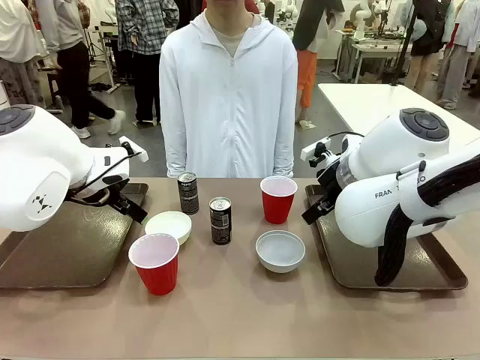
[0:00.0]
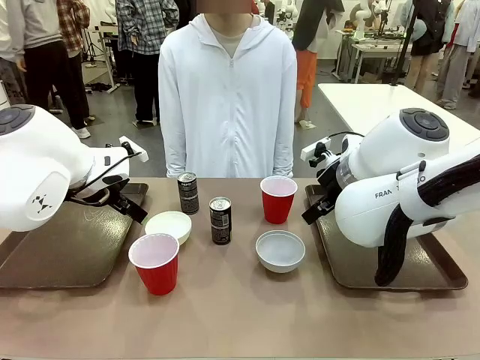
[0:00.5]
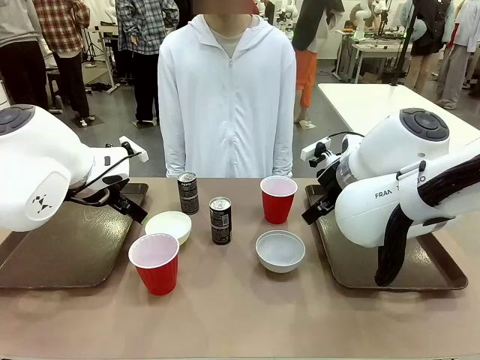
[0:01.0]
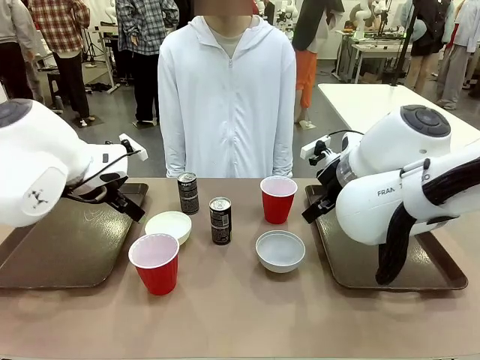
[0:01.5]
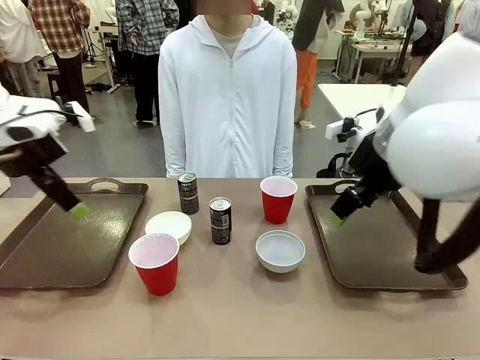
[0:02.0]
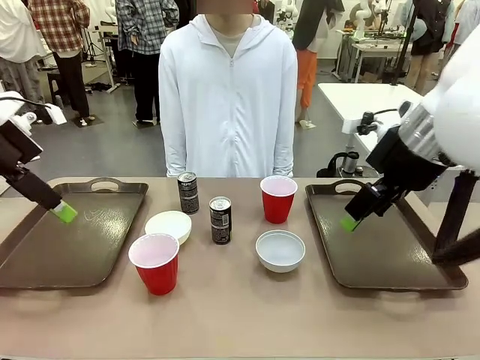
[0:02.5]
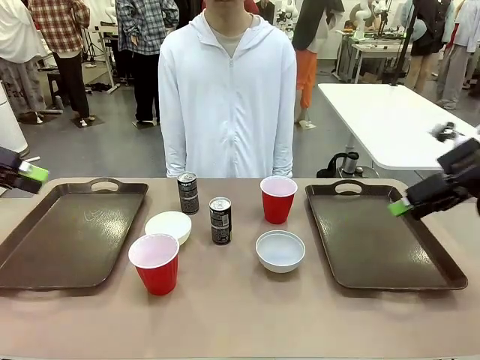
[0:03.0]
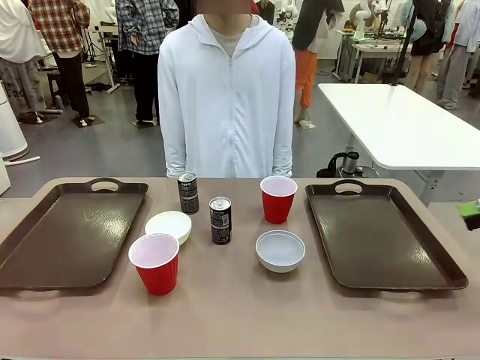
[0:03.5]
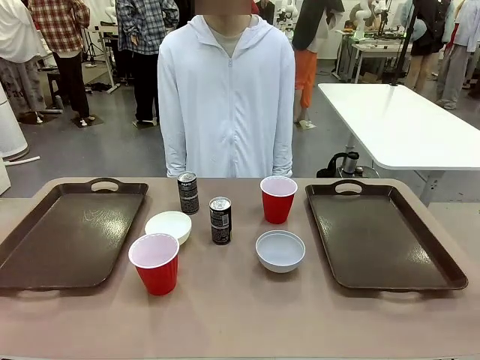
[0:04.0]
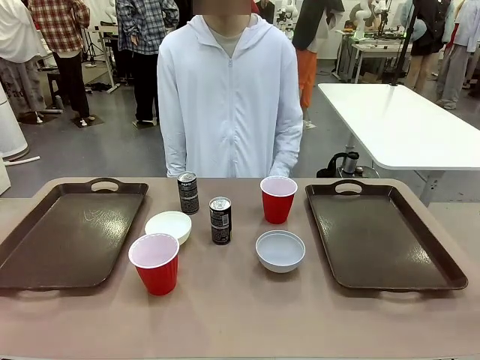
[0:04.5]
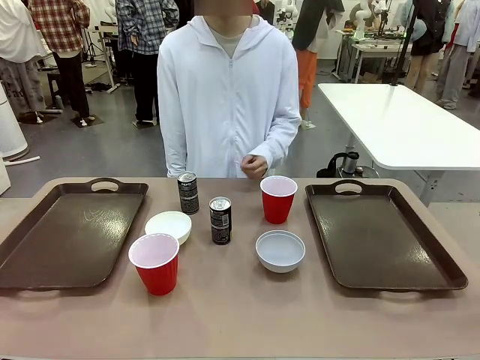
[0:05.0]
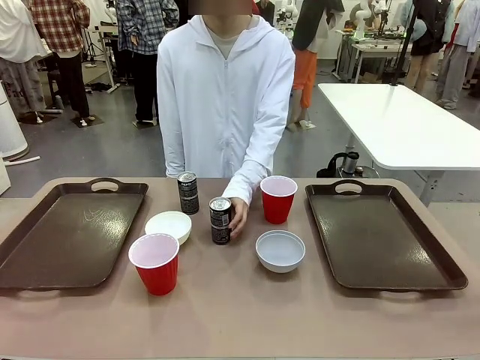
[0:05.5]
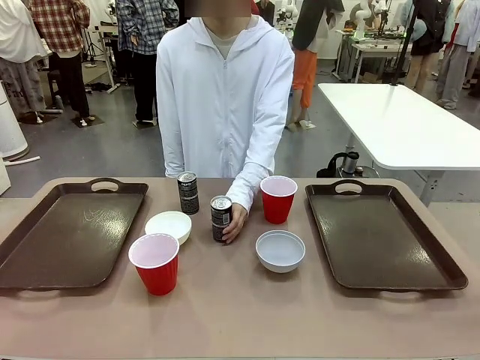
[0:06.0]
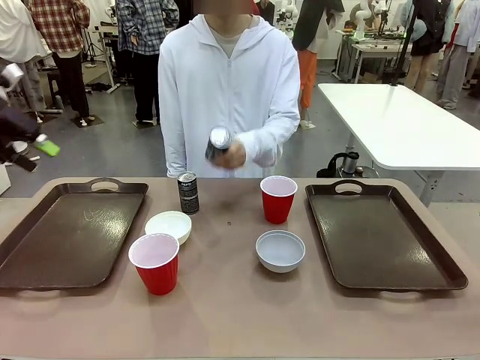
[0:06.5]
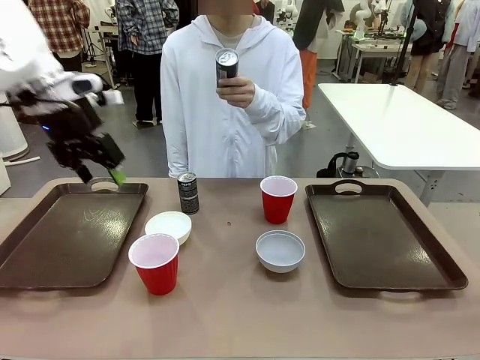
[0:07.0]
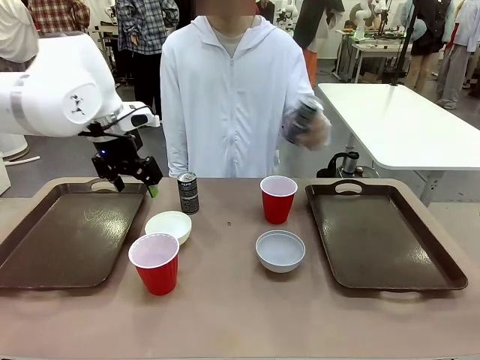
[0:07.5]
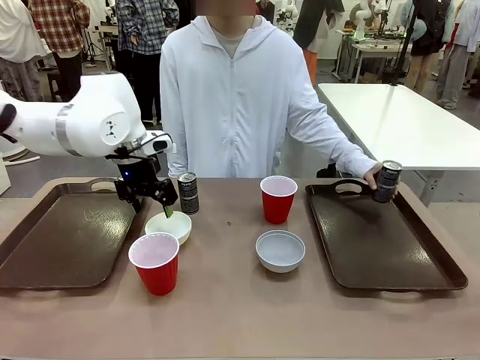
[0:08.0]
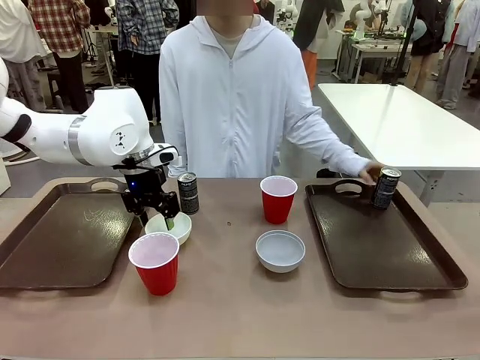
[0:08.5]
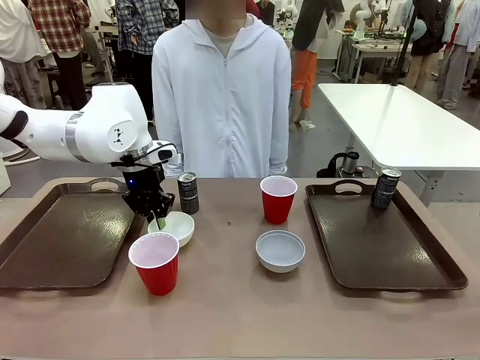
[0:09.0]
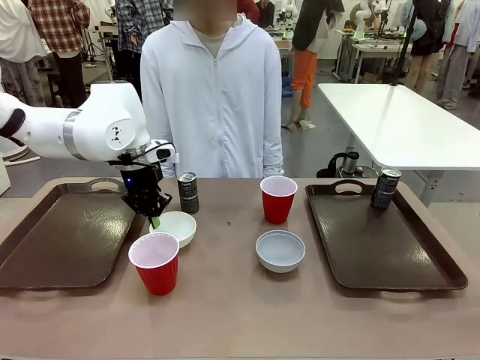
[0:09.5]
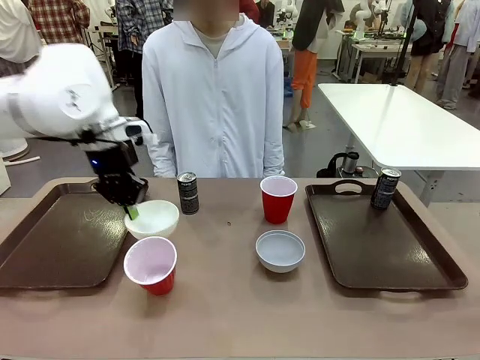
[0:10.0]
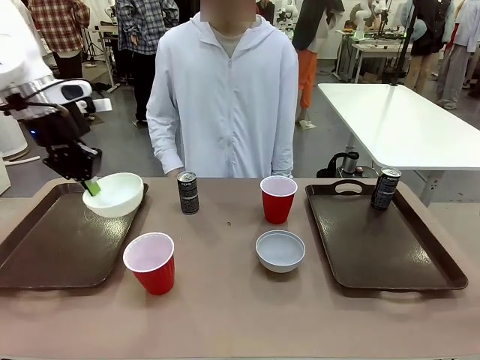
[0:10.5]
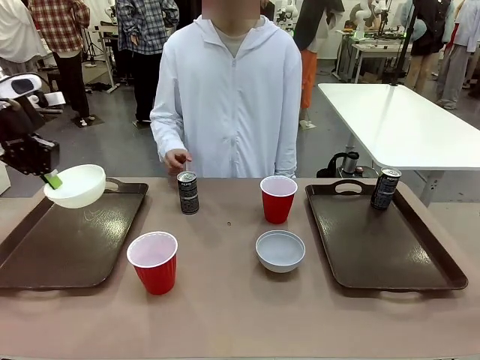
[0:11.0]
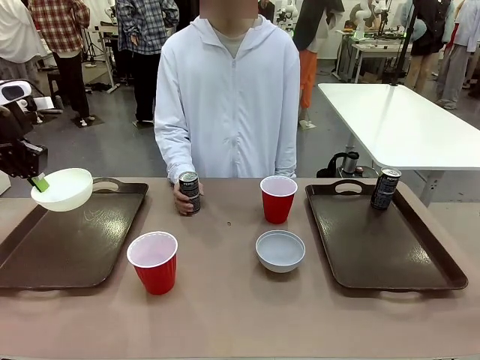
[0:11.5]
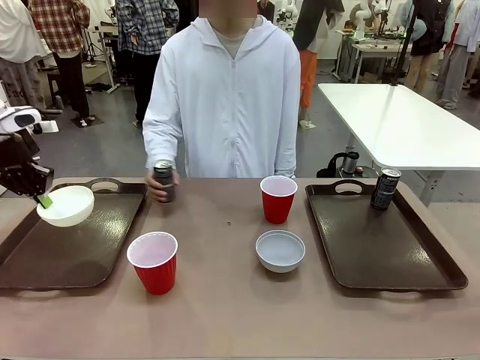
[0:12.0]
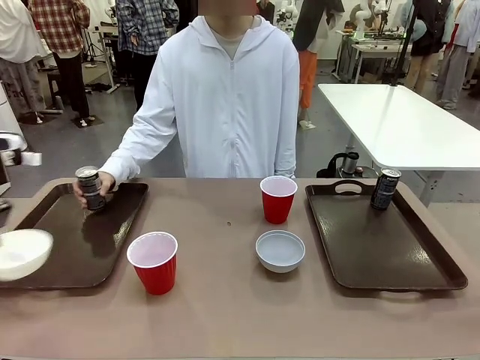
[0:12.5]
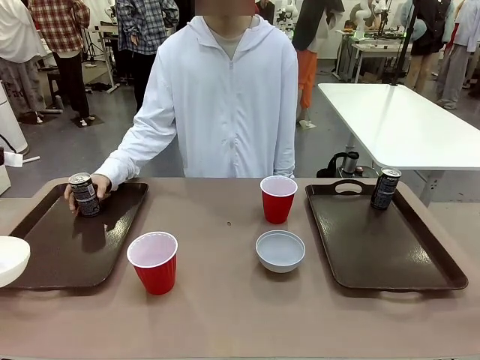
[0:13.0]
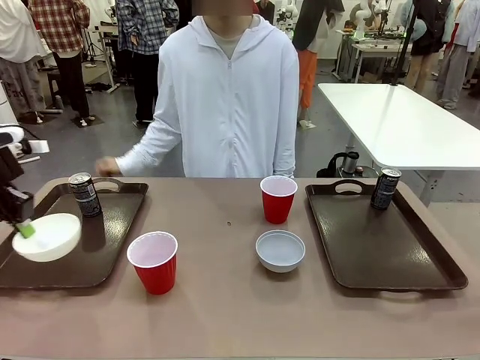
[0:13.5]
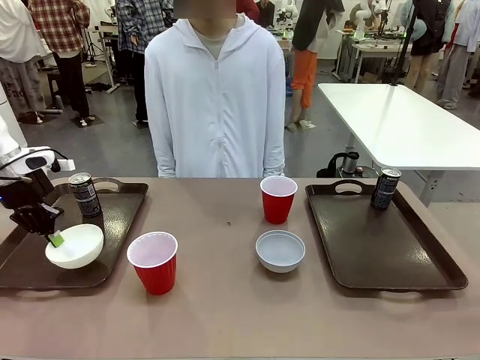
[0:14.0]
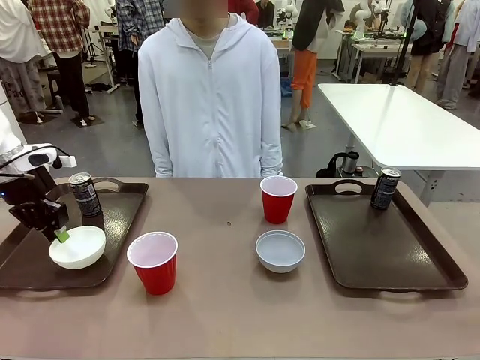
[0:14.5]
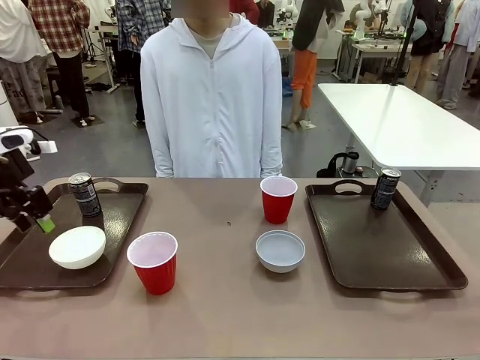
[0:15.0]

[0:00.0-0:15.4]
Task: Prepare tableware on both trays.
Robot: Pick up a Picnic Bowl from the table and place it on a Handle tray.
Person: Pick up a can or cup and place it on the tray.

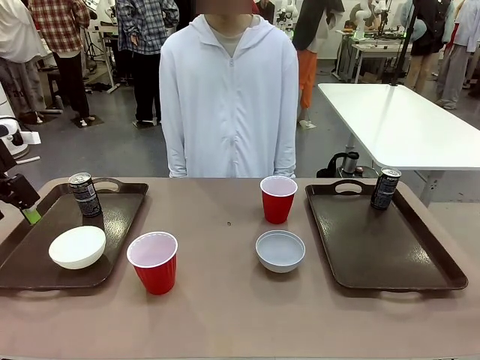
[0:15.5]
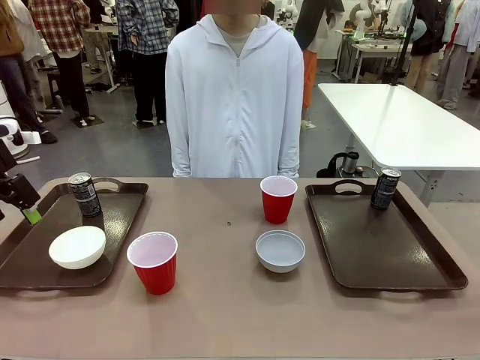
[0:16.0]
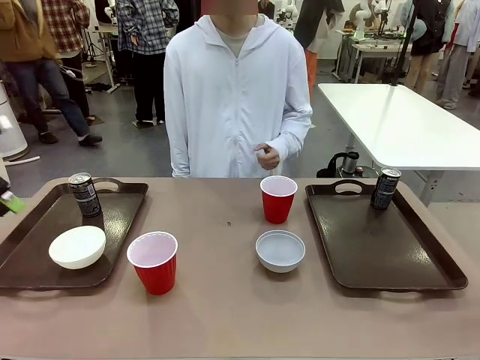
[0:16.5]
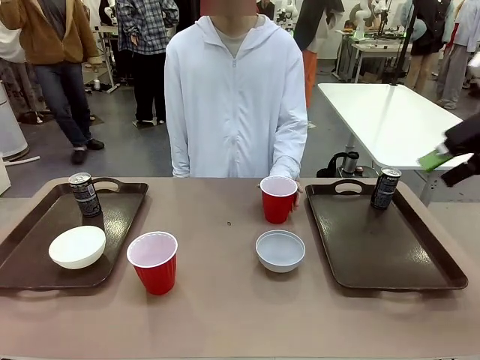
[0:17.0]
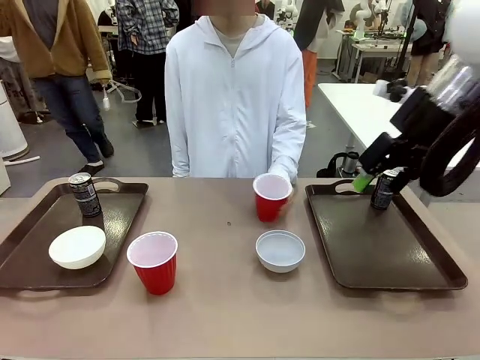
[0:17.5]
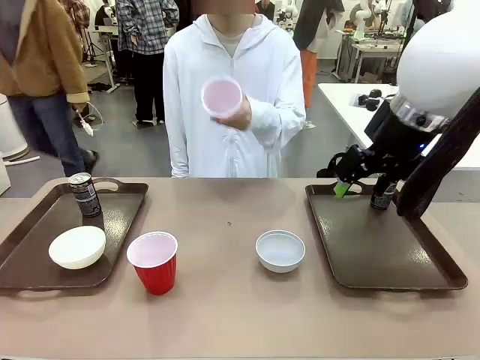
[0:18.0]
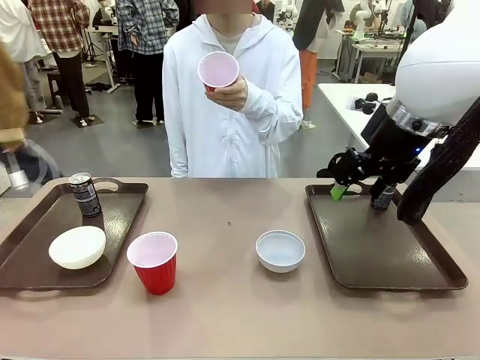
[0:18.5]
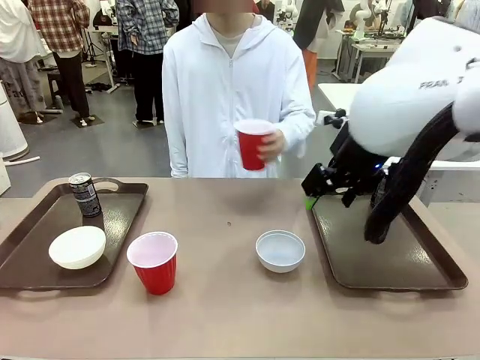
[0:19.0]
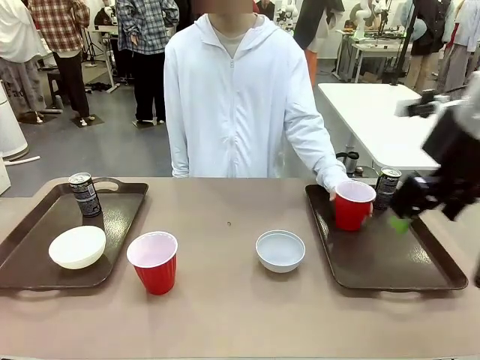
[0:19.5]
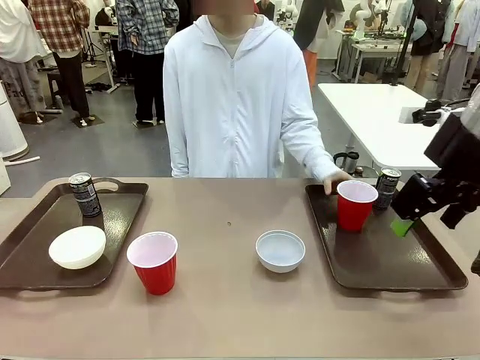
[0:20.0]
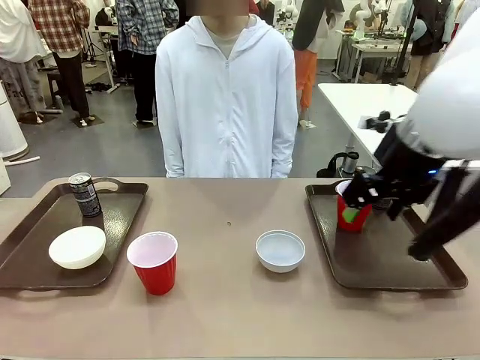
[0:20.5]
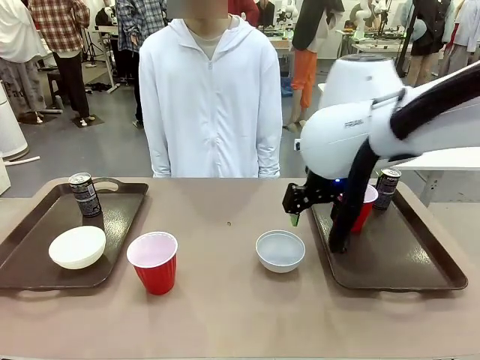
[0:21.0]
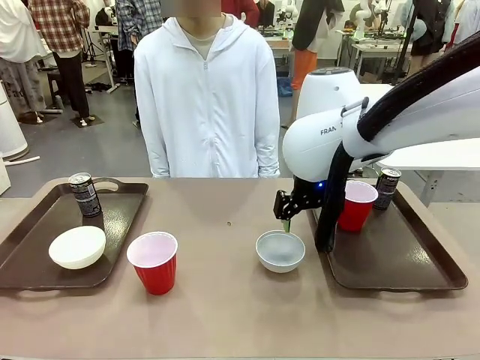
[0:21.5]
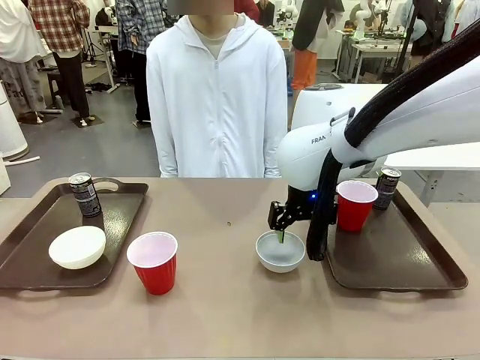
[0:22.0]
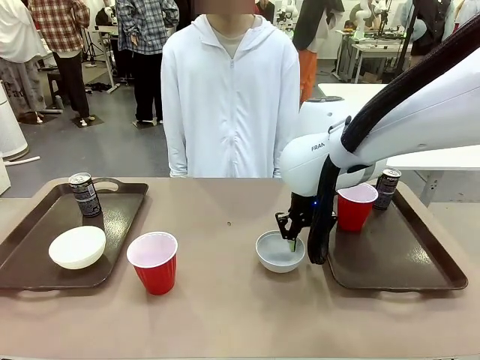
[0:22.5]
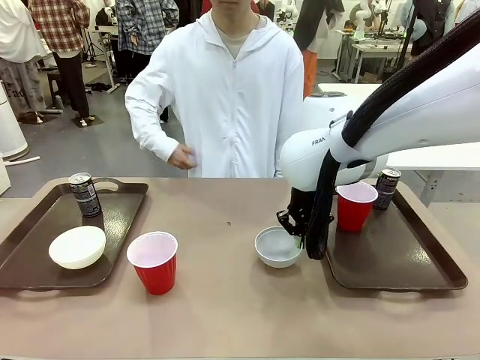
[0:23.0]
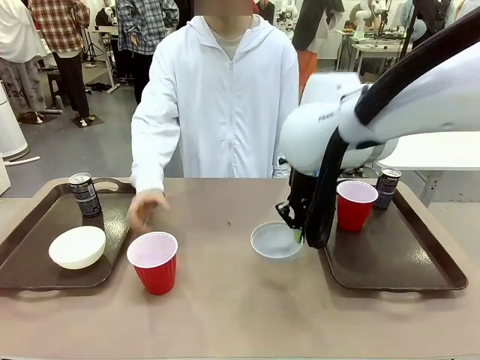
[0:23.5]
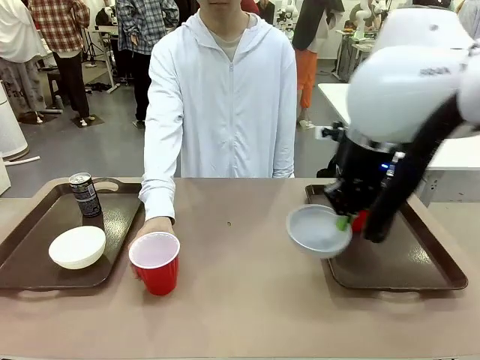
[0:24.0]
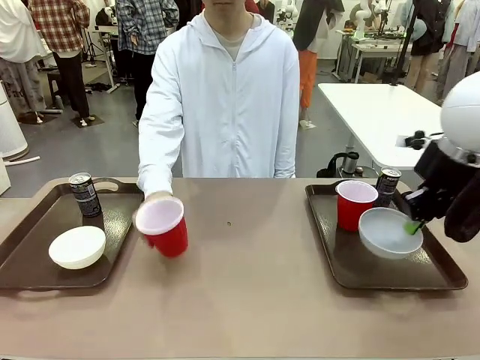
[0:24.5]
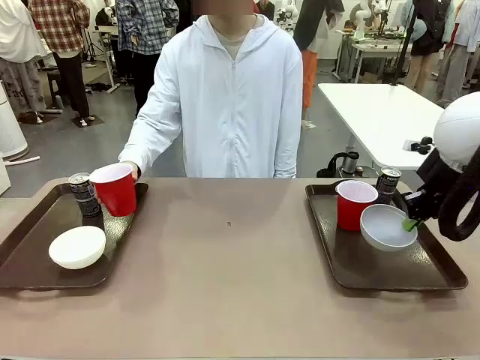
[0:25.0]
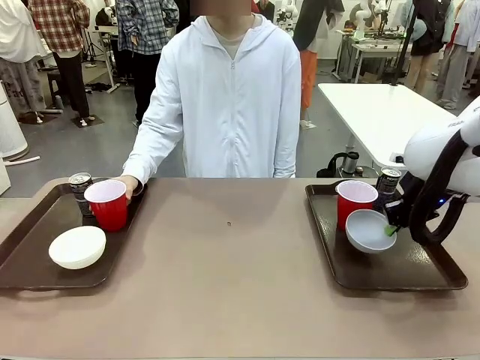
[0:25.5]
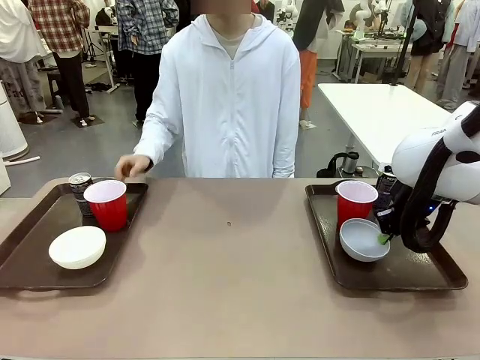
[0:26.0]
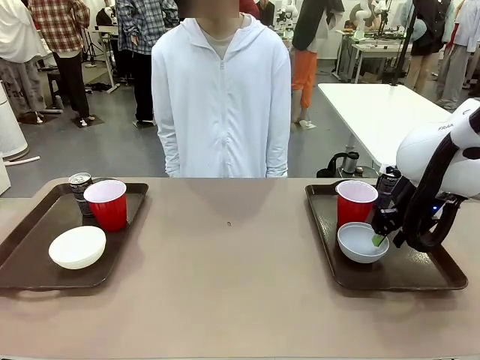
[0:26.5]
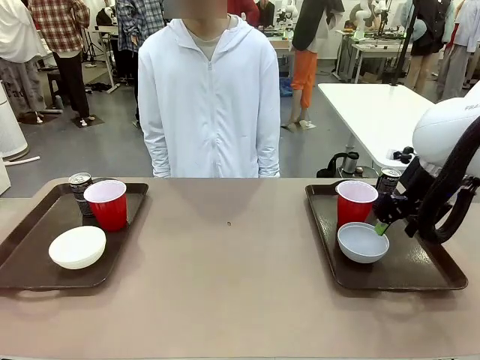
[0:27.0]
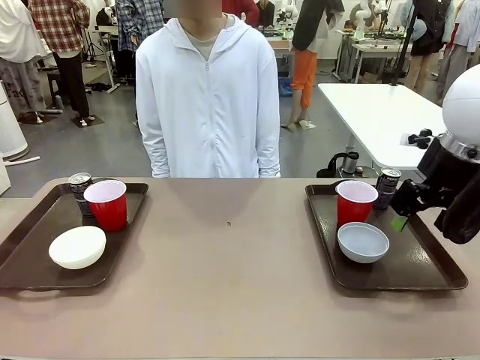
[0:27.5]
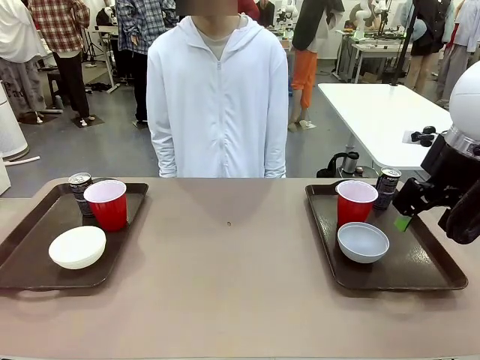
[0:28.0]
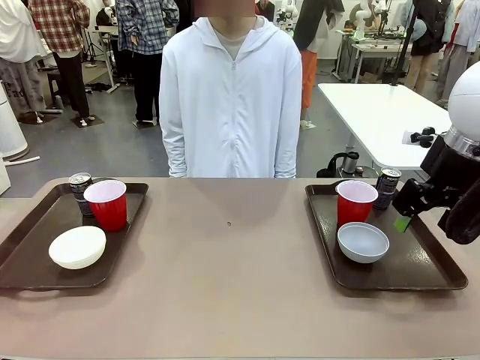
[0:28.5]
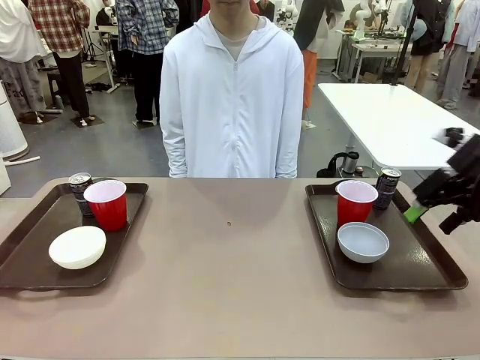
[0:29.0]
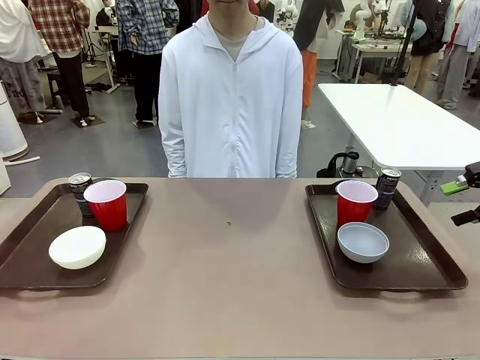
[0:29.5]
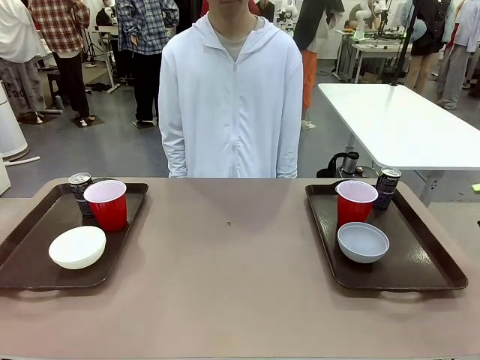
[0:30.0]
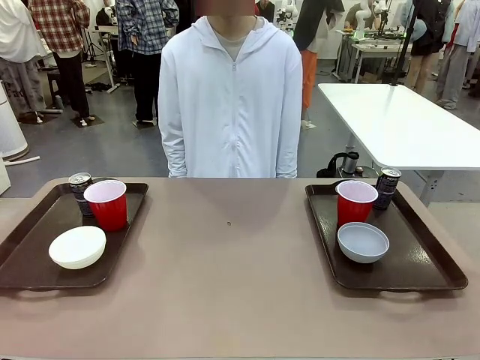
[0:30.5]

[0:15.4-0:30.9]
Robot: Pick up a Picnic Bowl from the table and place it on a Handle tray.
Person: Pick up a can or cup and place it on the tray without a can or cup.
